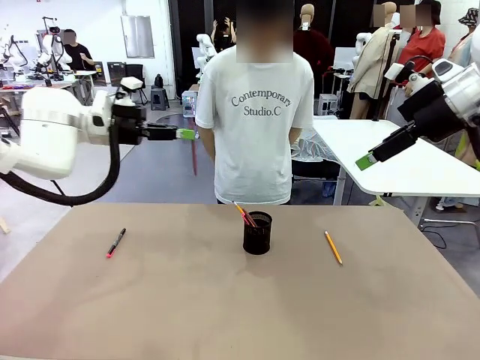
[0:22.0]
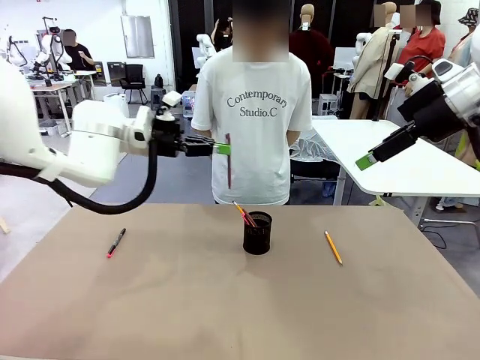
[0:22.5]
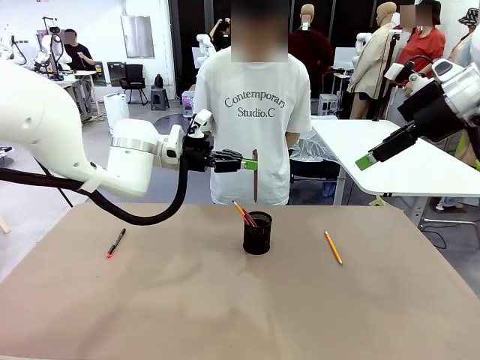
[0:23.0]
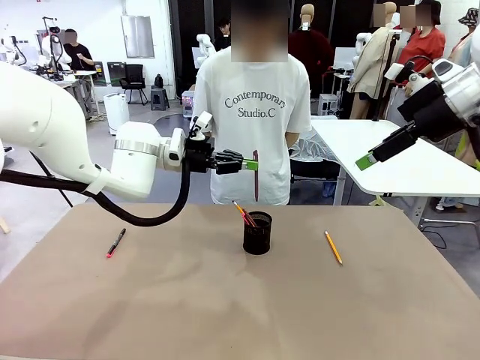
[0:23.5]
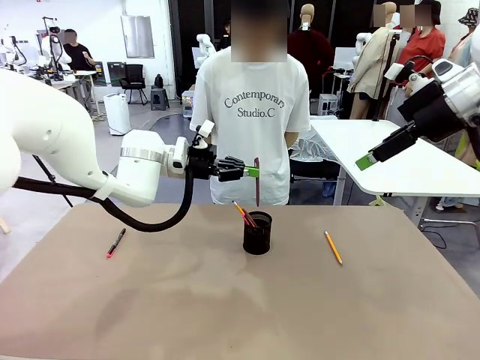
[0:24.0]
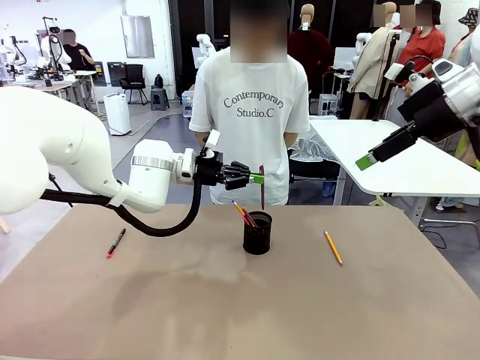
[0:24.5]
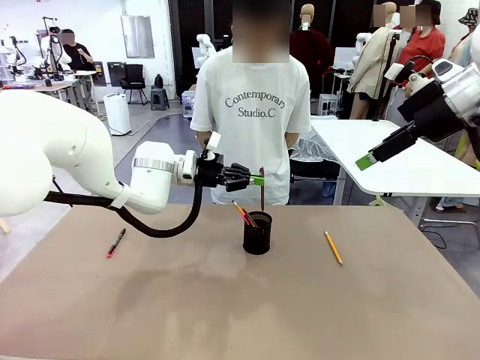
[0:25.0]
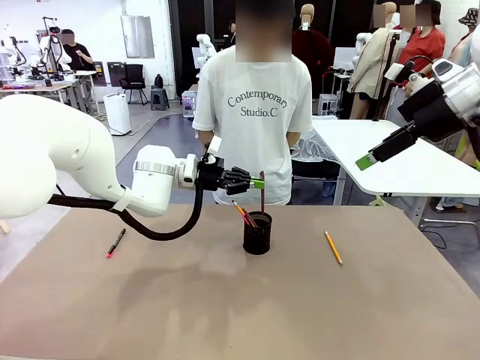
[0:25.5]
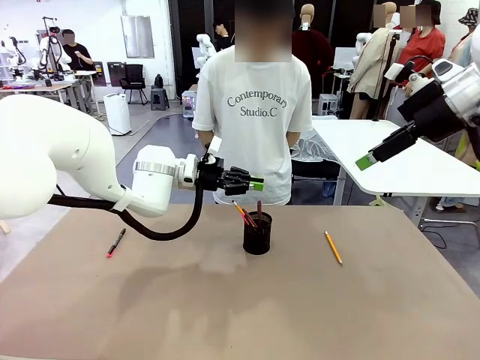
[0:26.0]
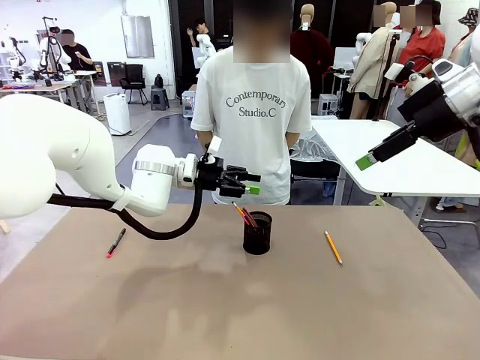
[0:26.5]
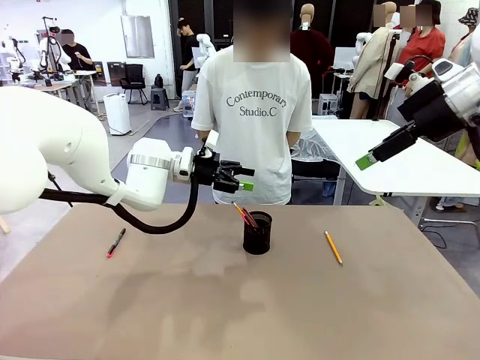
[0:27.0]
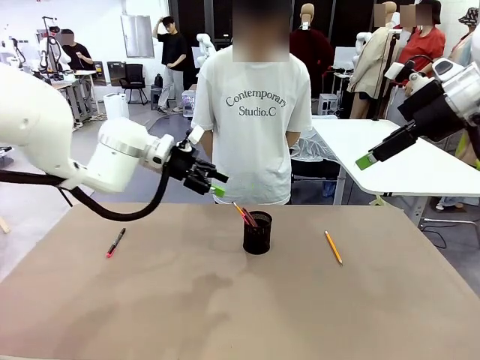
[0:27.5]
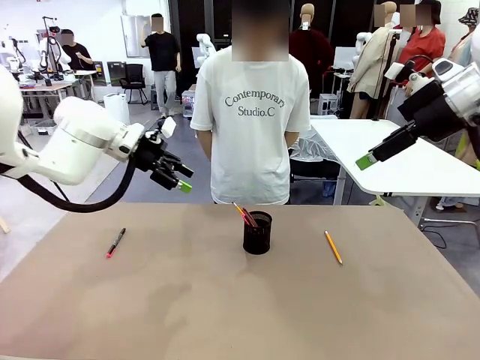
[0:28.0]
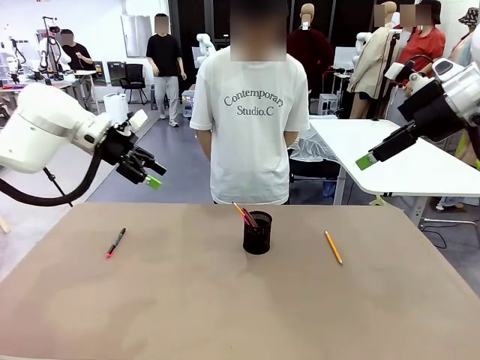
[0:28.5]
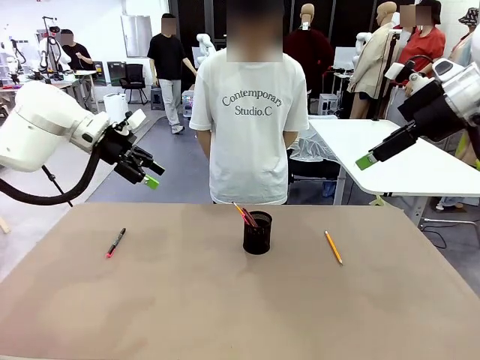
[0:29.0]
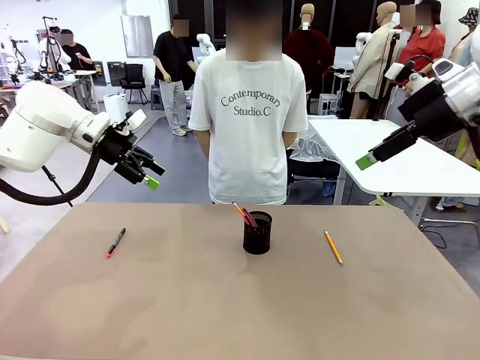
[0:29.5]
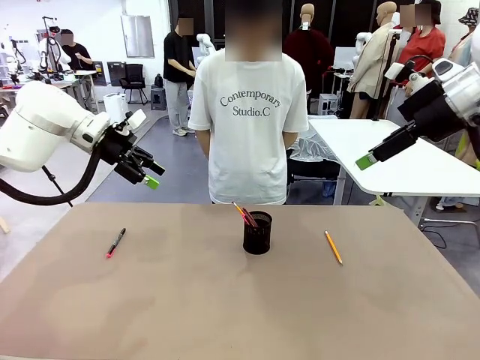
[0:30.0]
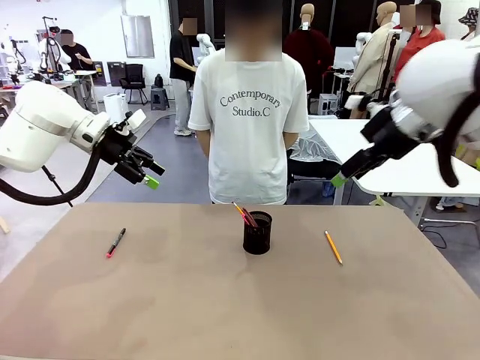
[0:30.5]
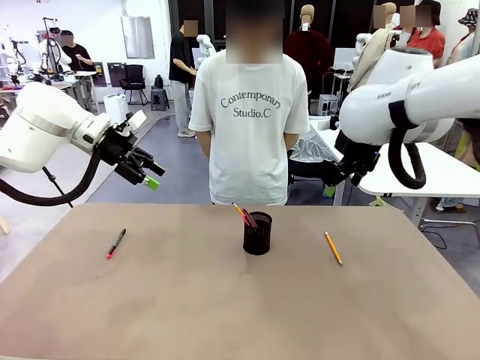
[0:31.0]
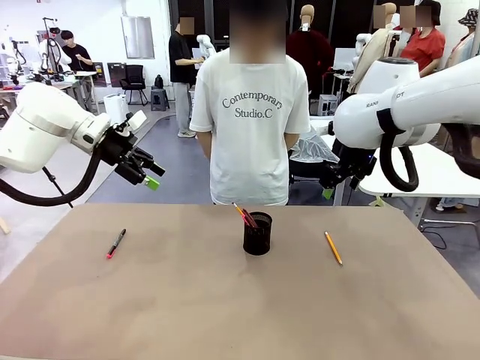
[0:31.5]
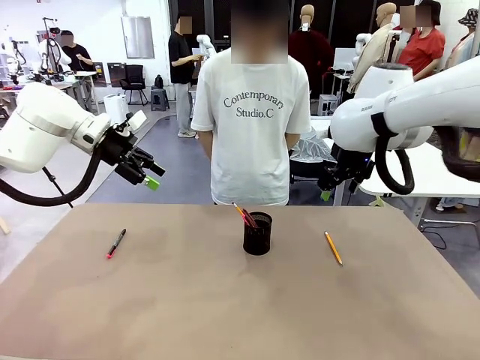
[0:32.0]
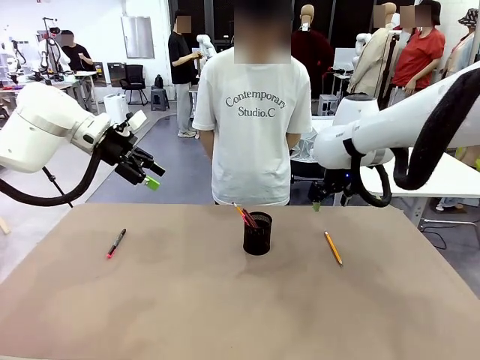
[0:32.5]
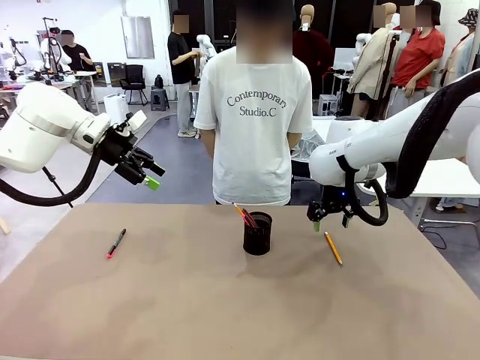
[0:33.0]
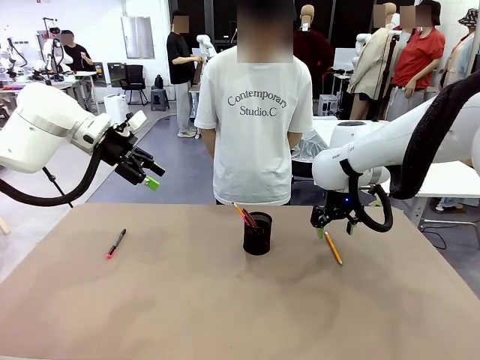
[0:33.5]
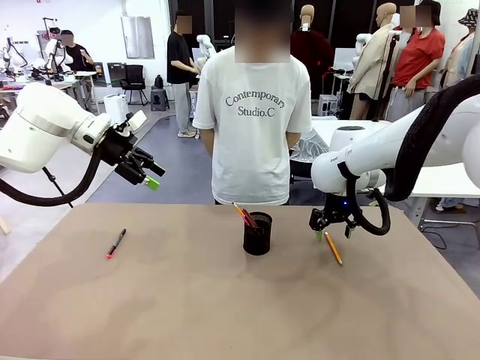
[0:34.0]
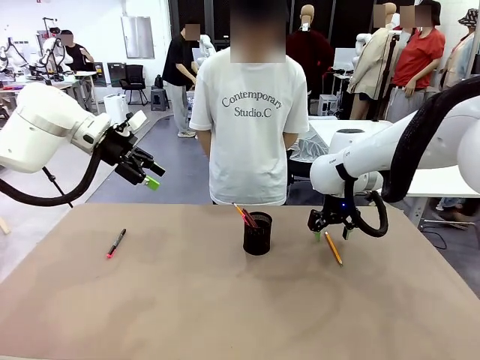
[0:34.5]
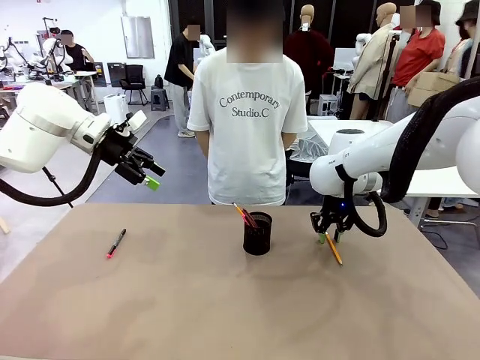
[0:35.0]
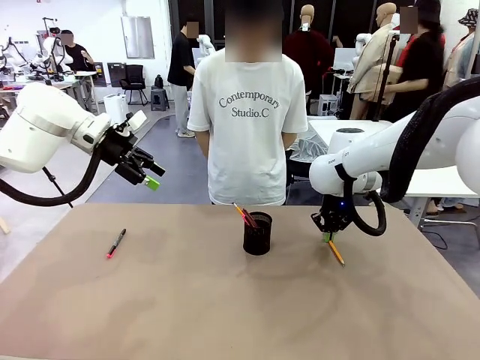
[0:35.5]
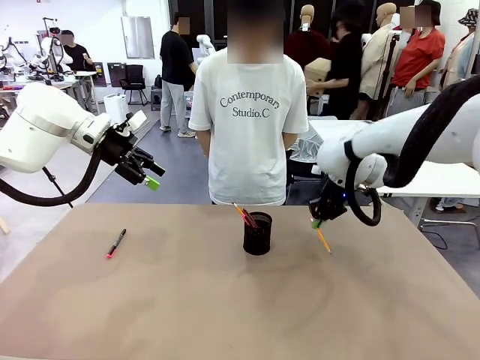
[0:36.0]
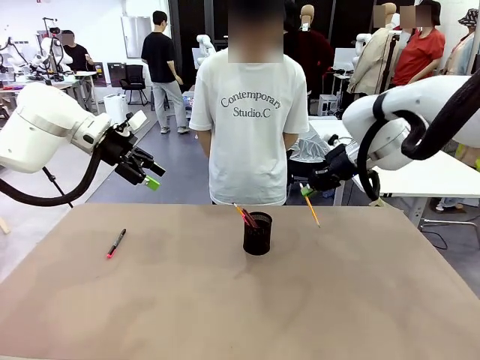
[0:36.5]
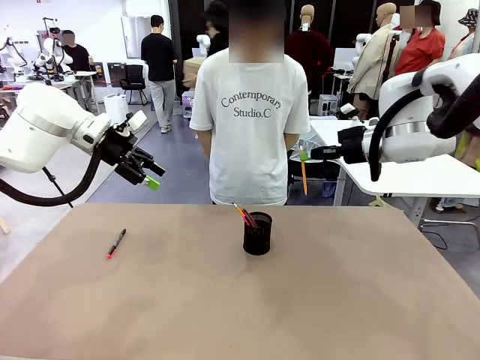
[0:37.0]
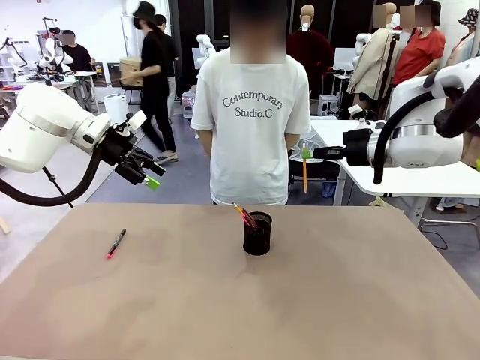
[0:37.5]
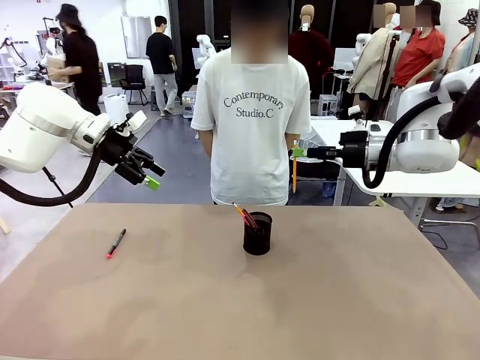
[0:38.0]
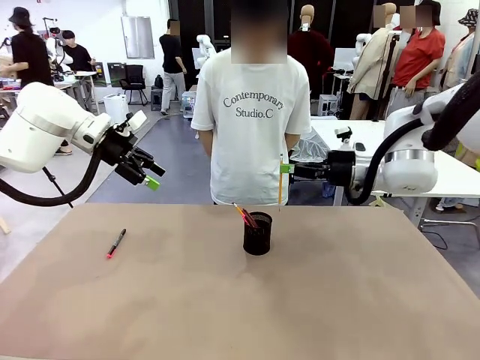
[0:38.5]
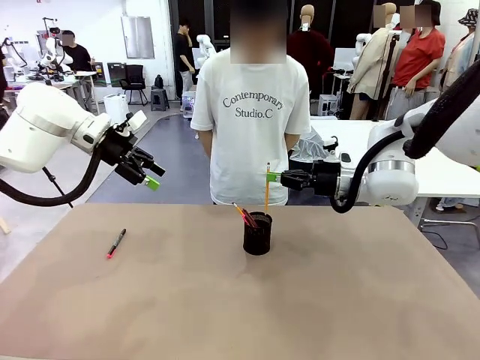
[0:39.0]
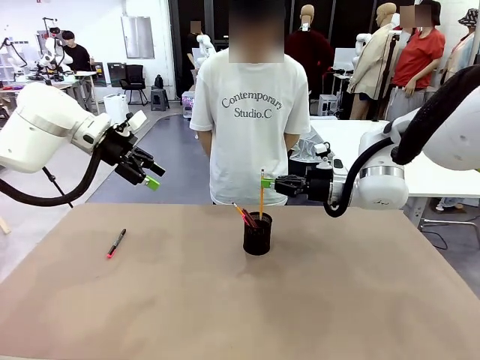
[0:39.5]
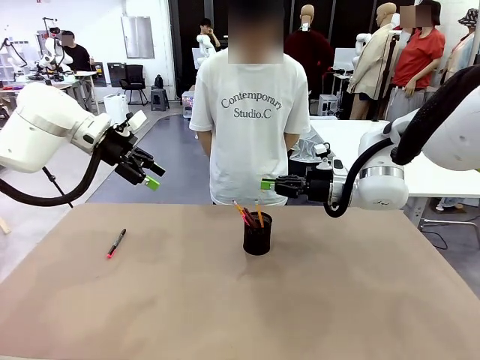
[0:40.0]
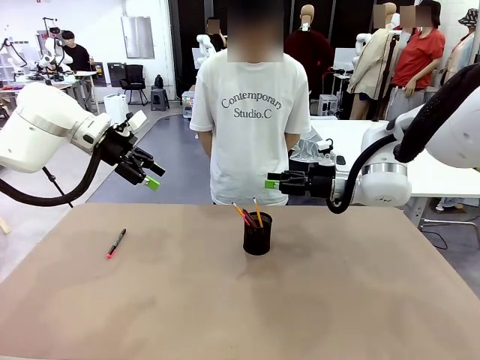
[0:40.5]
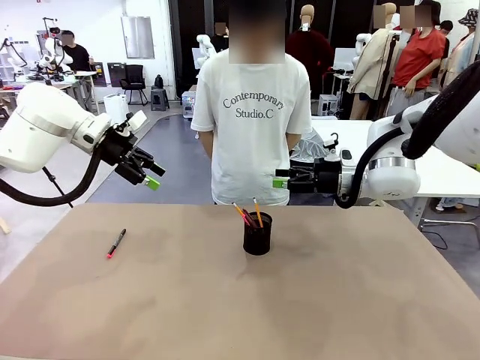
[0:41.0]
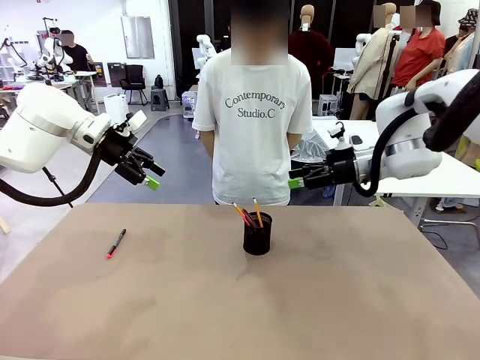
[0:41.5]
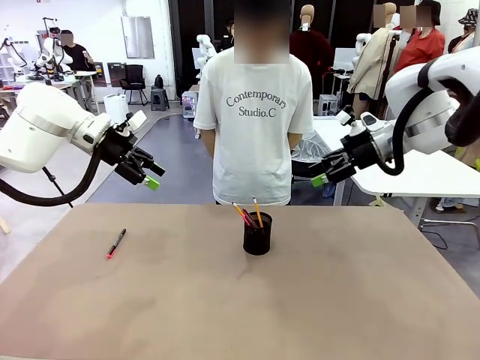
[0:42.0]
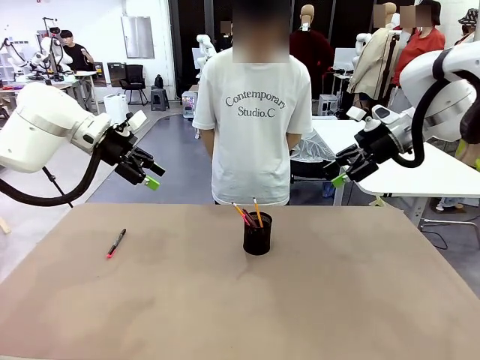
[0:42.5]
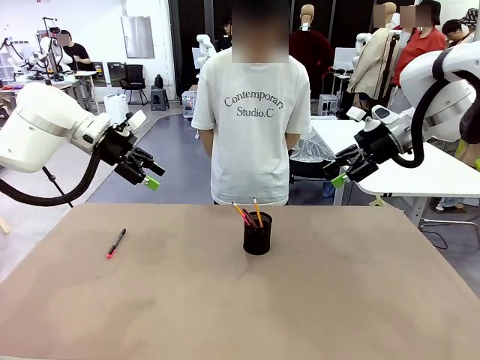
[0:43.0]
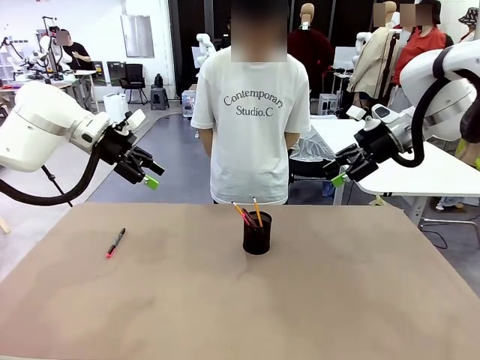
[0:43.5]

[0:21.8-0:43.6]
Task: Place the pens into the pen holder.
Robot: Pick up a writing instrument from the table and place it into the Pen holder.

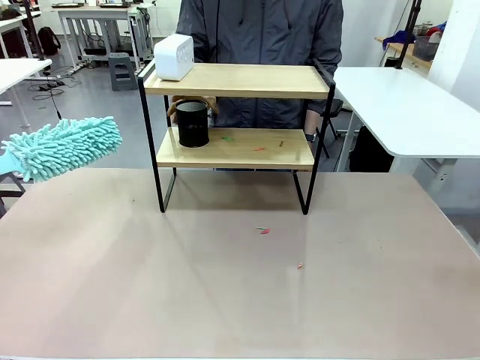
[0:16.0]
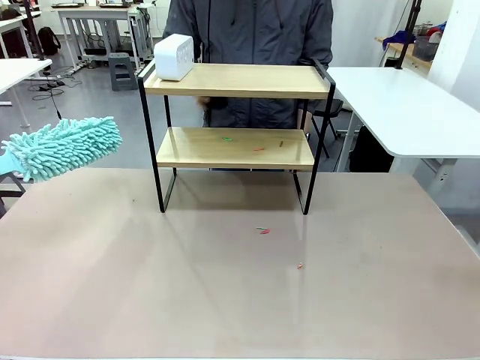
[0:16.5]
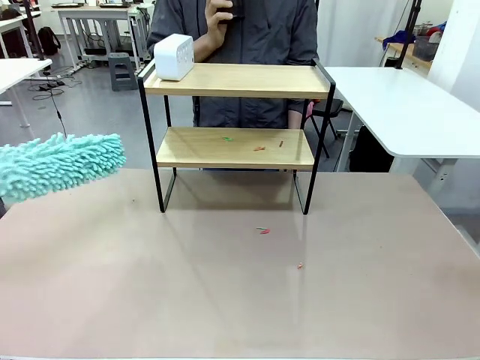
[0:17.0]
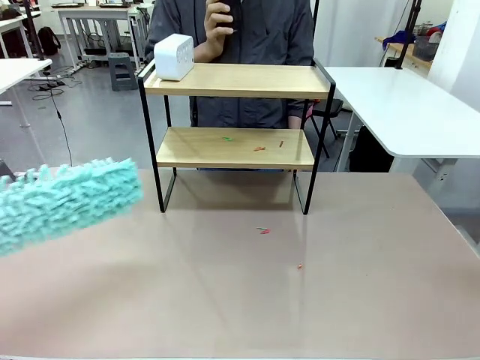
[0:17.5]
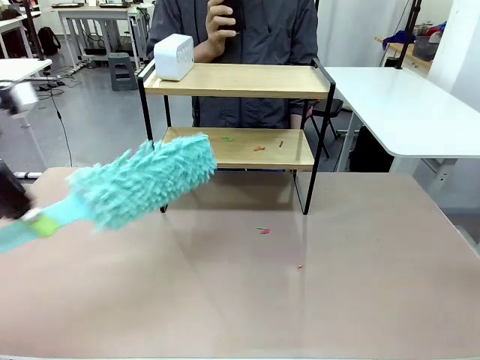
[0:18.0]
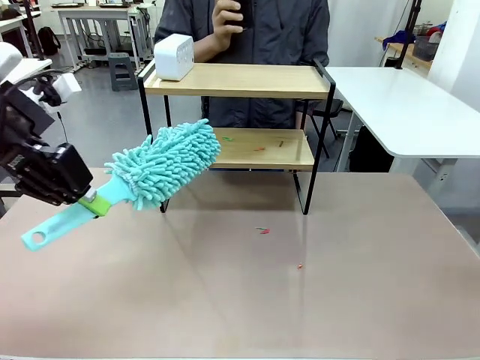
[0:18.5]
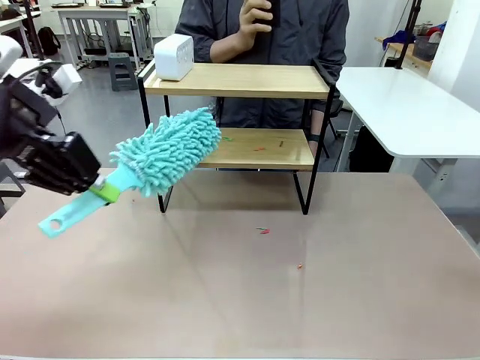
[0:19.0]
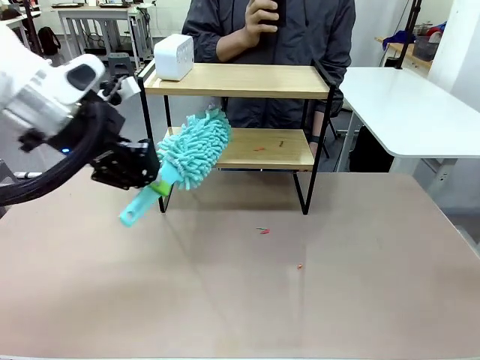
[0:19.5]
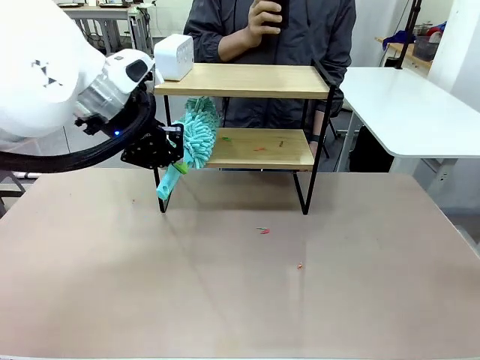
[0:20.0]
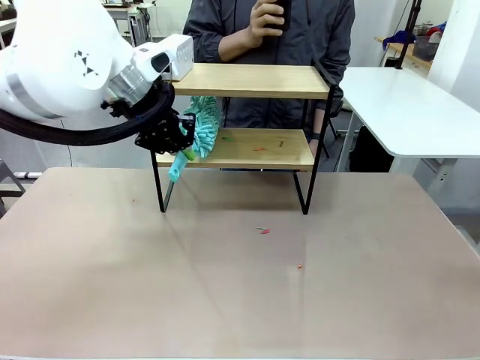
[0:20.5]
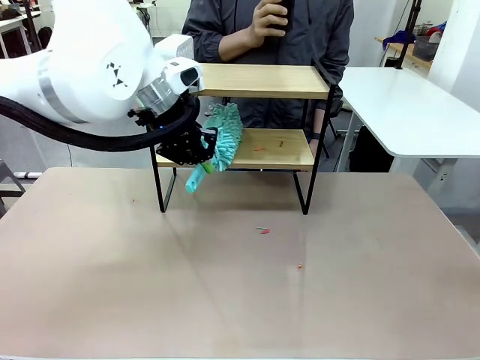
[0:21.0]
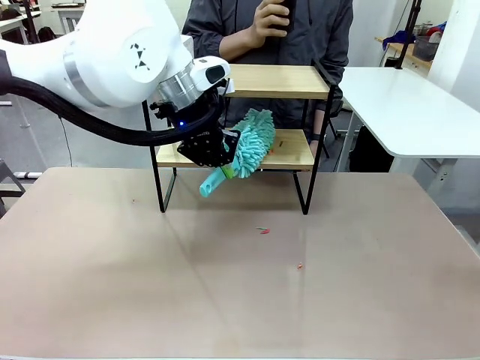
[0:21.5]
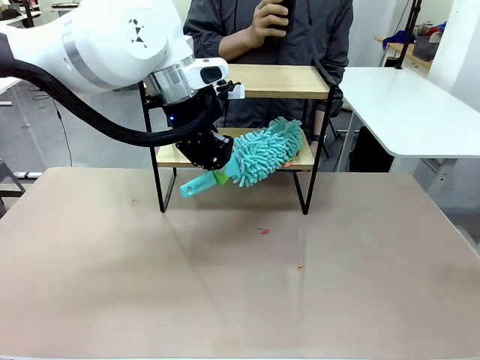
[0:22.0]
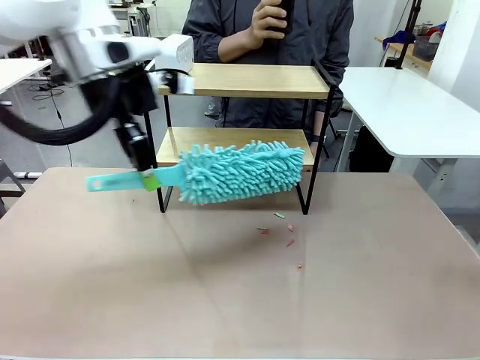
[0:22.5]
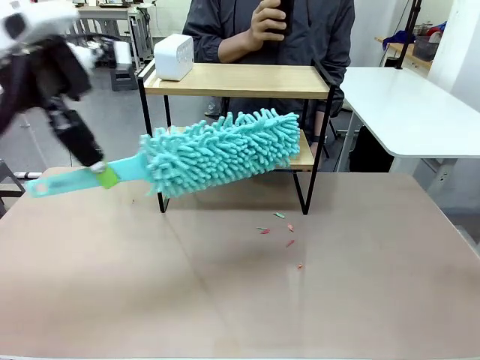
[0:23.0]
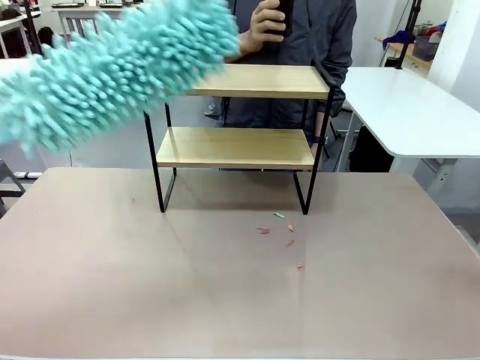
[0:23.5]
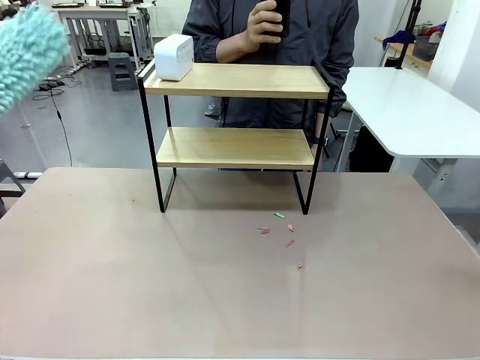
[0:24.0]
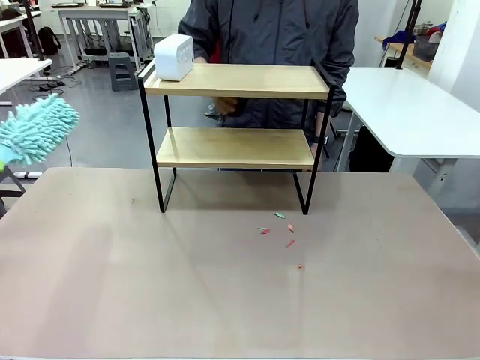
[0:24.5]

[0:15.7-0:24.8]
Task: Clean the shelf.
Robot: Clean the remaining tier of the Shelf with the Duster once objects are removed.
